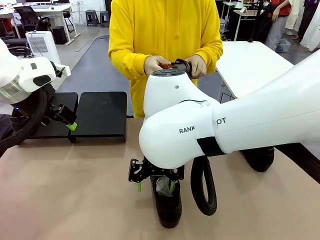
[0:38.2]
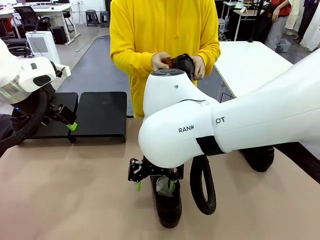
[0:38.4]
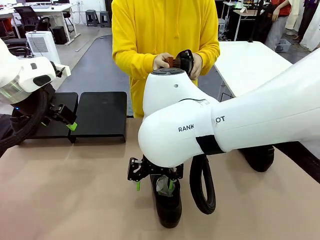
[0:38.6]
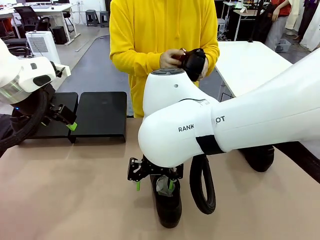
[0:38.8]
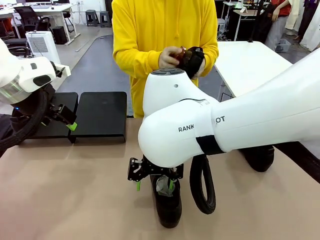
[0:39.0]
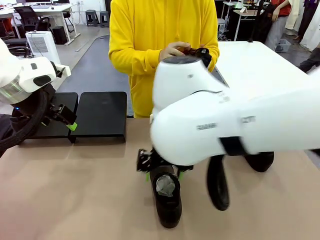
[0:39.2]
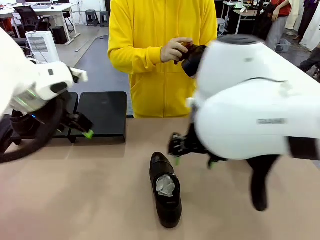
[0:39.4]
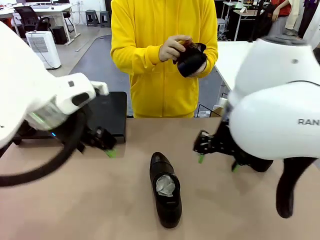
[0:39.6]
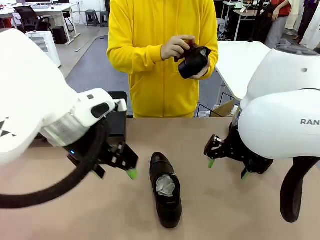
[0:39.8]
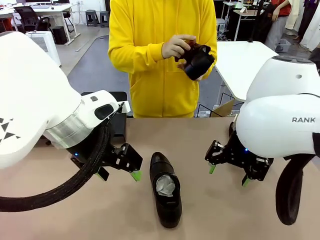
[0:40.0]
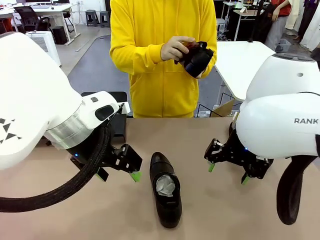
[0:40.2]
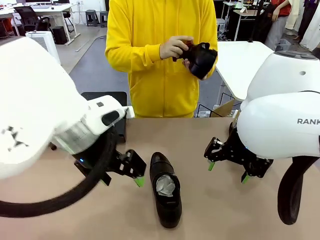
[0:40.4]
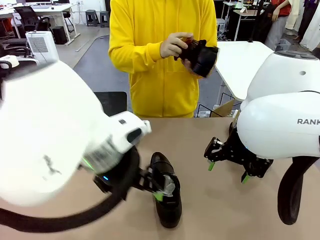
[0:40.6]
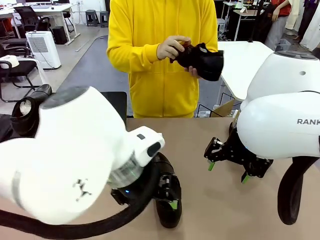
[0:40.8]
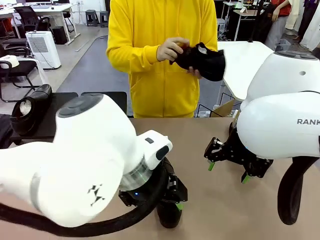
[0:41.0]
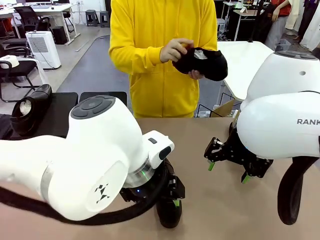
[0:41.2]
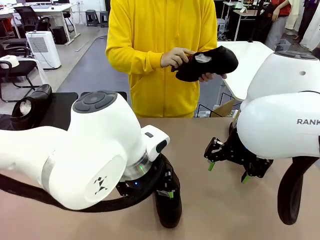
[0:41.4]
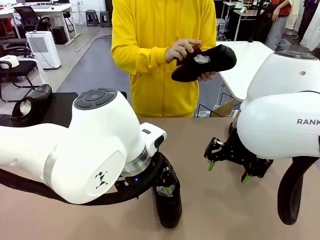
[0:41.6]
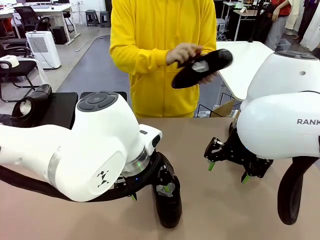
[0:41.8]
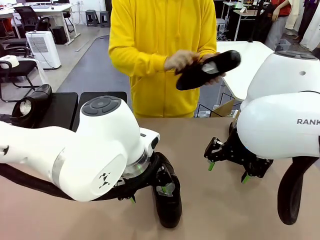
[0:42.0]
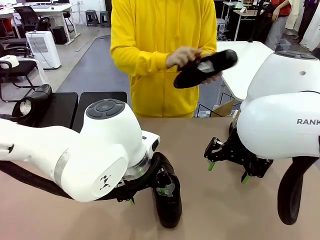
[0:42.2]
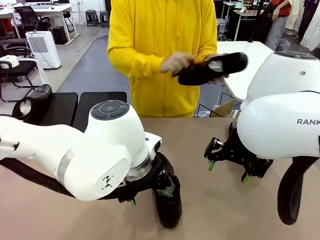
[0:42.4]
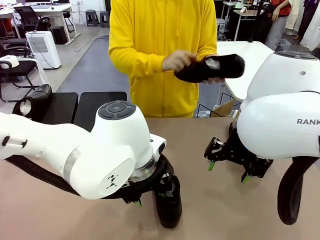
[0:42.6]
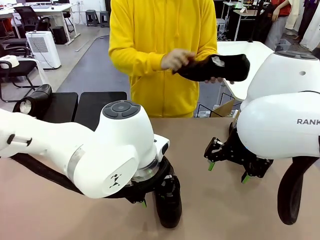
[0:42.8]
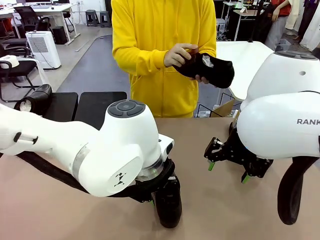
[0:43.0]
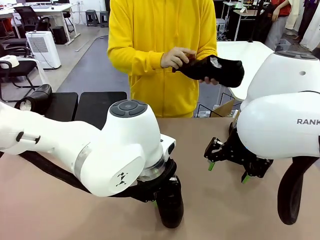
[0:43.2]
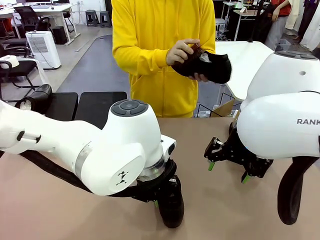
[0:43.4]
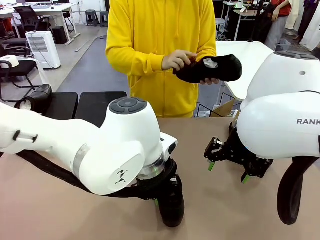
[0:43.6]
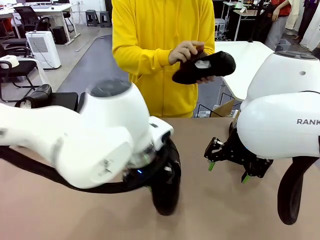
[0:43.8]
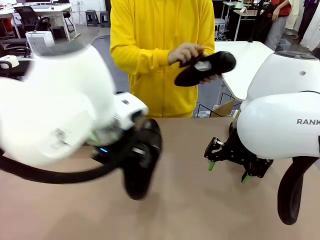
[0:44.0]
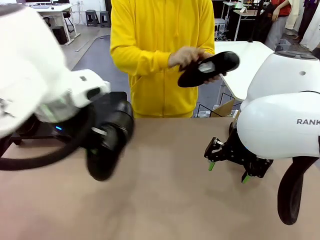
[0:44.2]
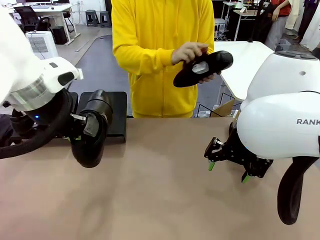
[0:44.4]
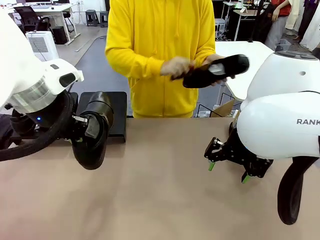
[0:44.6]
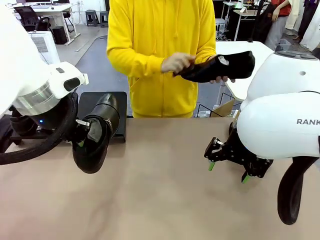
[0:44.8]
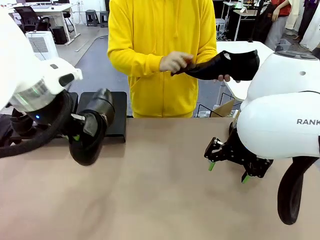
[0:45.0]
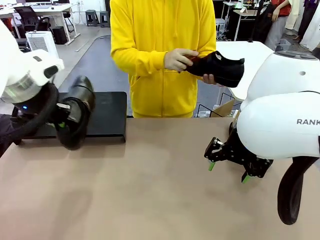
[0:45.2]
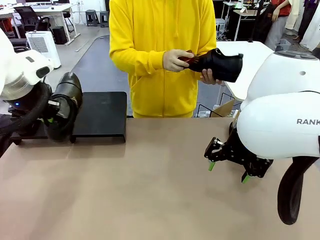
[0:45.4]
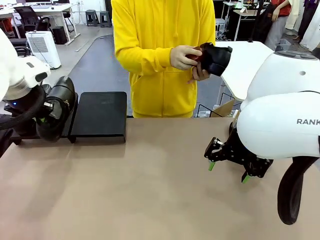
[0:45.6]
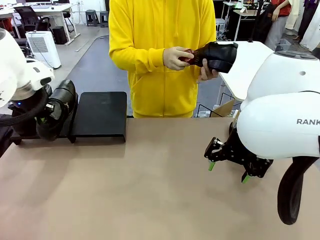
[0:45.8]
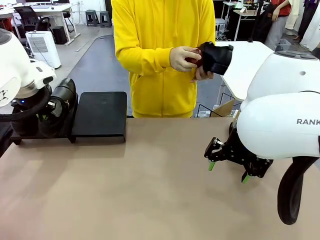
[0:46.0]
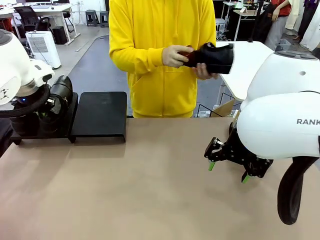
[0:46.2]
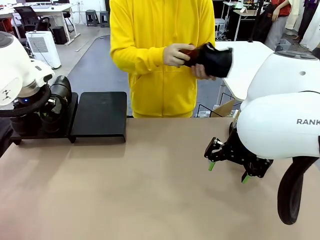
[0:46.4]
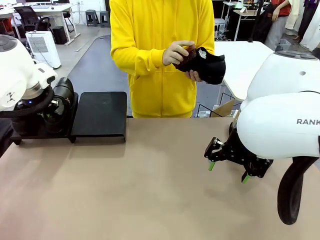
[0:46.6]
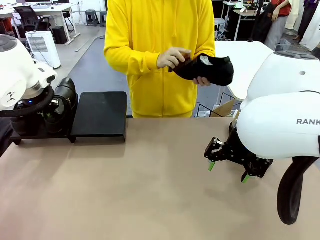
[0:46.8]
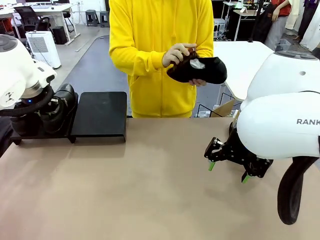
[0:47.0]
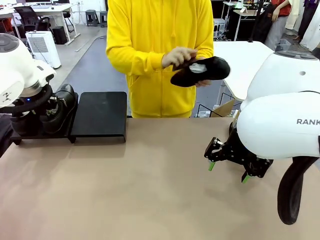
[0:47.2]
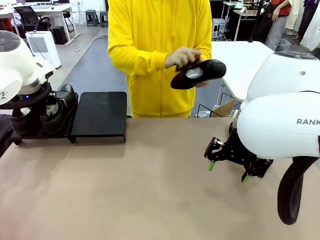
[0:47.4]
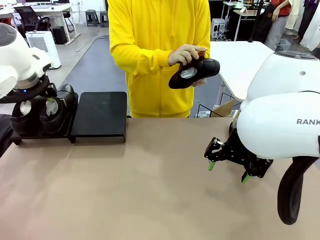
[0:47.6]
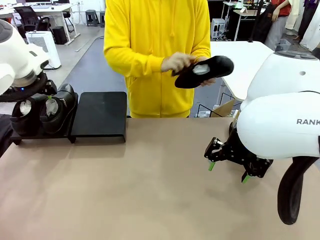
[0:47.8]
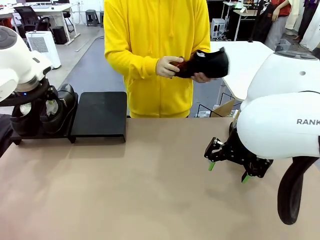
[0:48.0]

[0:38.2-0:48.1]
Task: Organize the shoes by placing them on the stand.
Robot: Place the Shoe from the middle of the table onto the Shoes Stand.
Person: Clean the Shoe with the Shoe Brush.

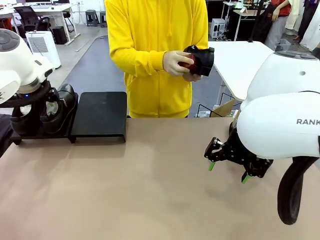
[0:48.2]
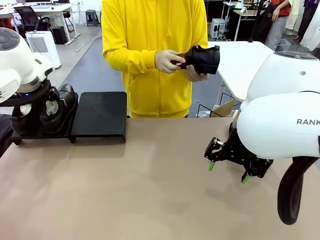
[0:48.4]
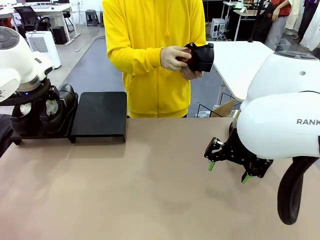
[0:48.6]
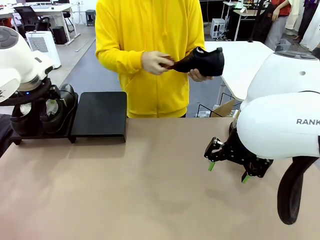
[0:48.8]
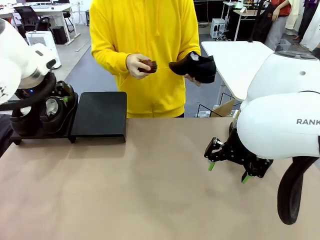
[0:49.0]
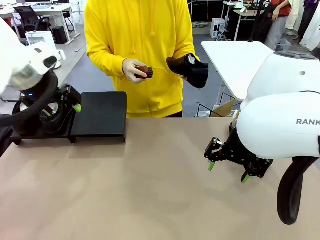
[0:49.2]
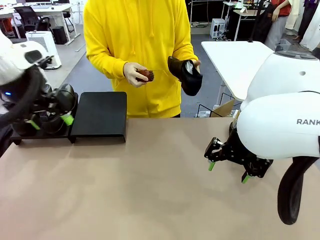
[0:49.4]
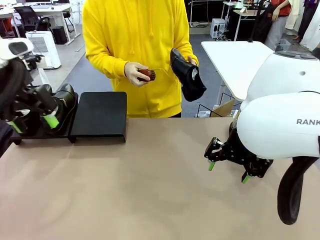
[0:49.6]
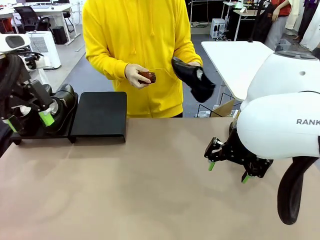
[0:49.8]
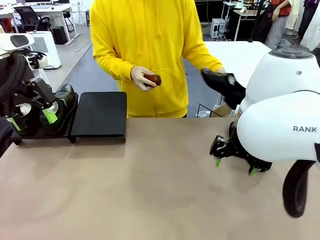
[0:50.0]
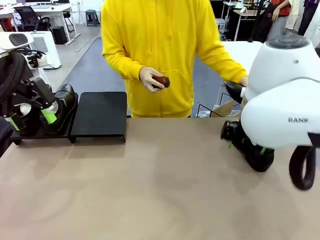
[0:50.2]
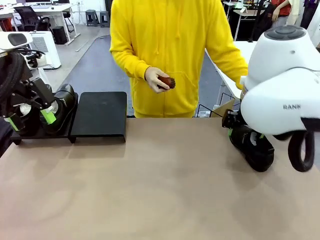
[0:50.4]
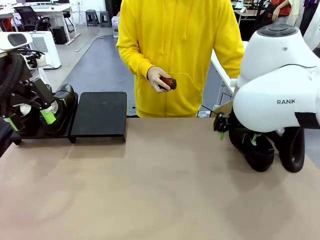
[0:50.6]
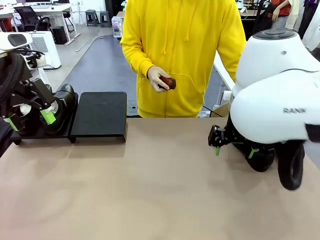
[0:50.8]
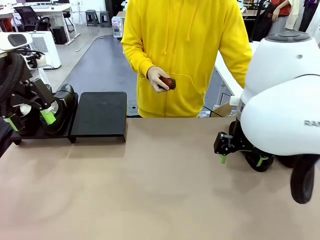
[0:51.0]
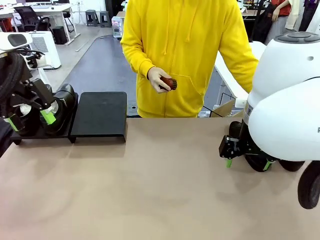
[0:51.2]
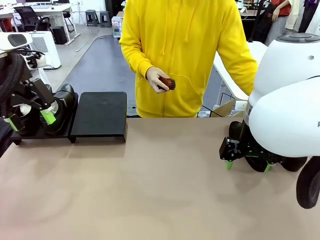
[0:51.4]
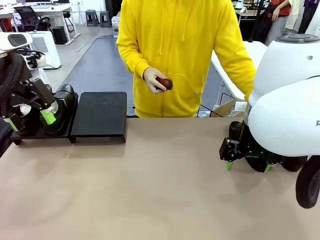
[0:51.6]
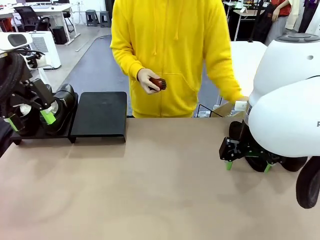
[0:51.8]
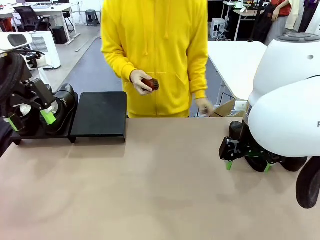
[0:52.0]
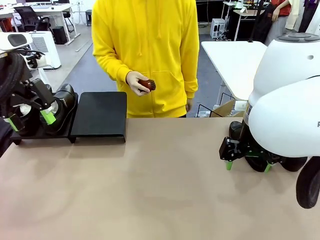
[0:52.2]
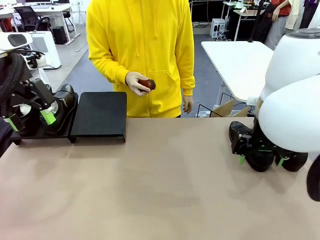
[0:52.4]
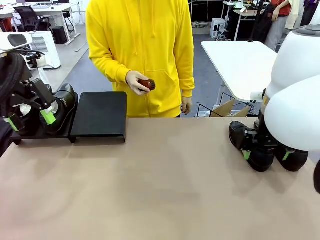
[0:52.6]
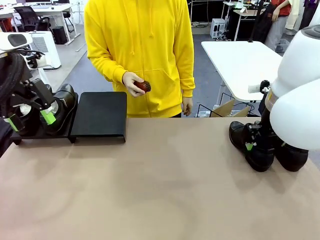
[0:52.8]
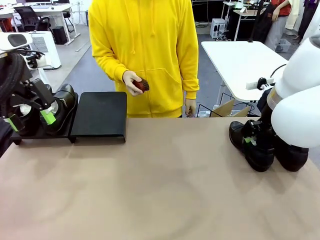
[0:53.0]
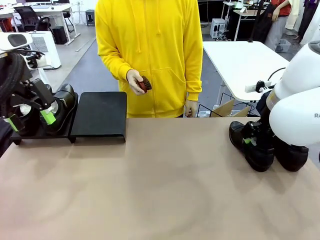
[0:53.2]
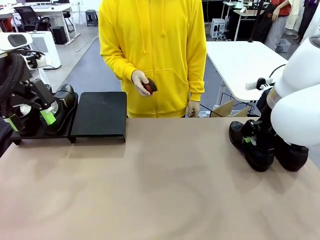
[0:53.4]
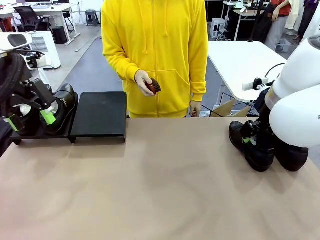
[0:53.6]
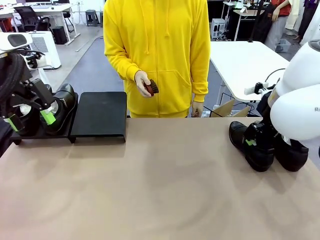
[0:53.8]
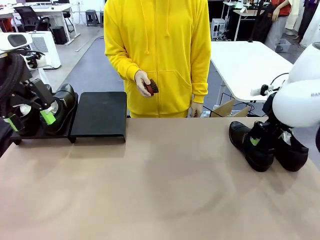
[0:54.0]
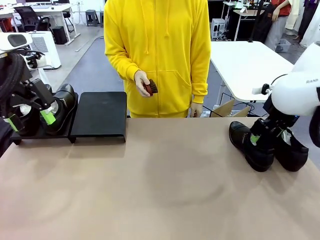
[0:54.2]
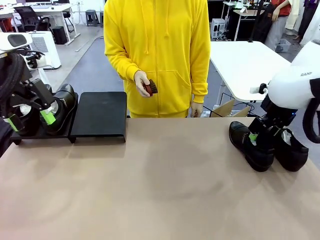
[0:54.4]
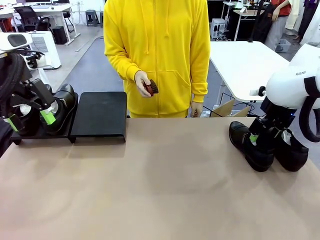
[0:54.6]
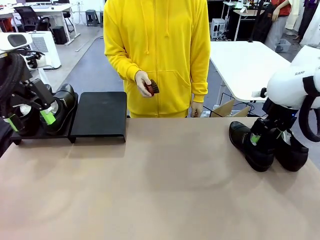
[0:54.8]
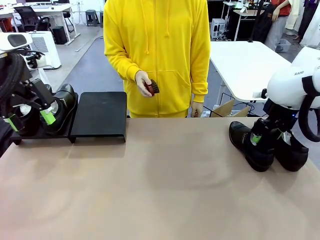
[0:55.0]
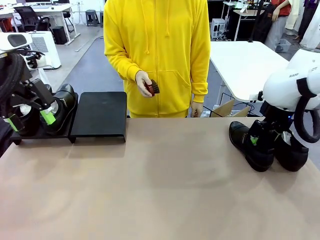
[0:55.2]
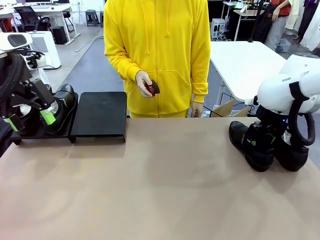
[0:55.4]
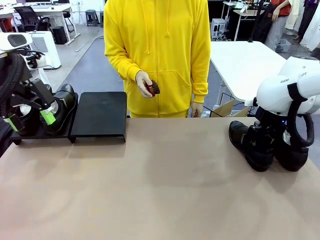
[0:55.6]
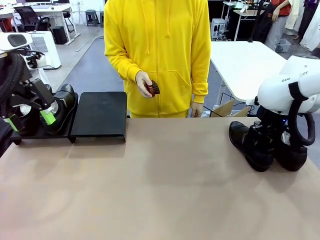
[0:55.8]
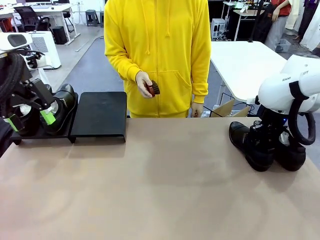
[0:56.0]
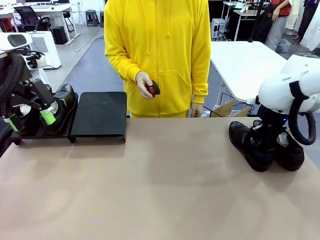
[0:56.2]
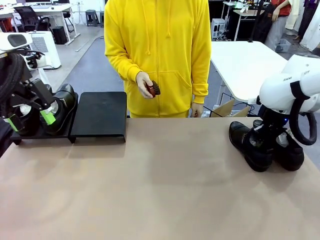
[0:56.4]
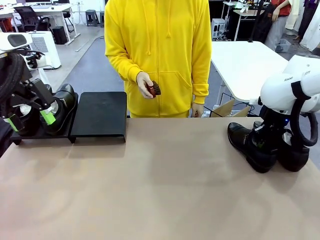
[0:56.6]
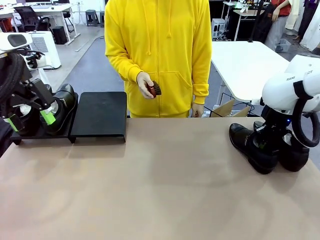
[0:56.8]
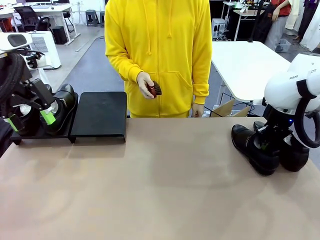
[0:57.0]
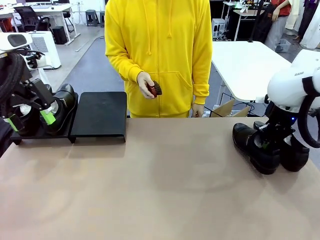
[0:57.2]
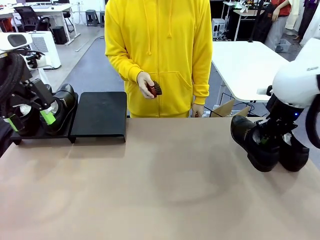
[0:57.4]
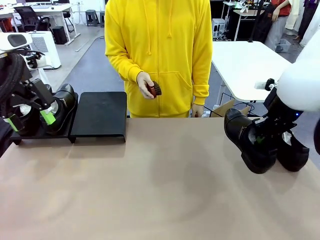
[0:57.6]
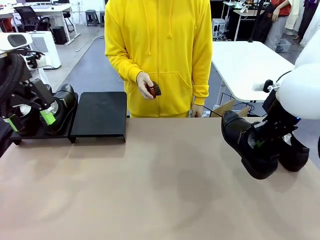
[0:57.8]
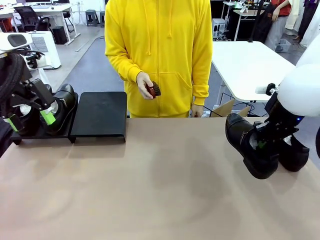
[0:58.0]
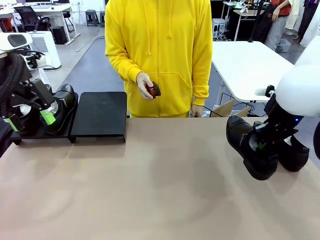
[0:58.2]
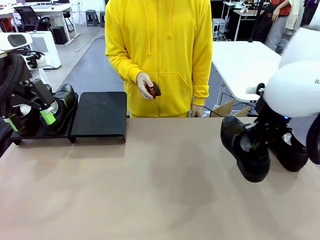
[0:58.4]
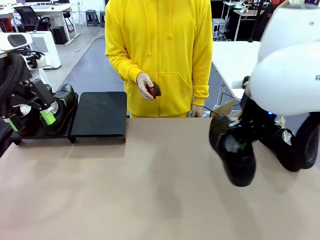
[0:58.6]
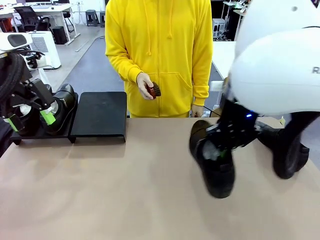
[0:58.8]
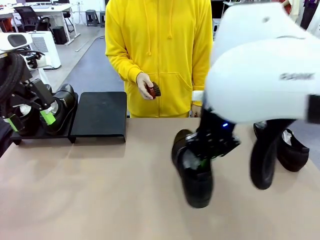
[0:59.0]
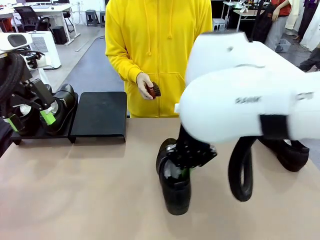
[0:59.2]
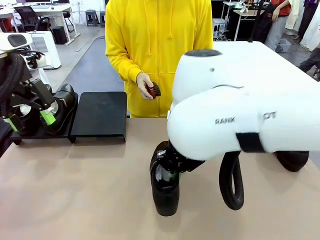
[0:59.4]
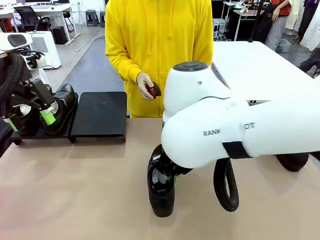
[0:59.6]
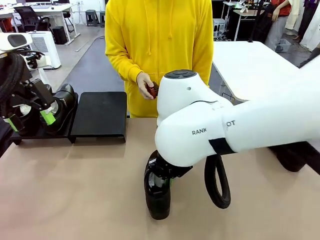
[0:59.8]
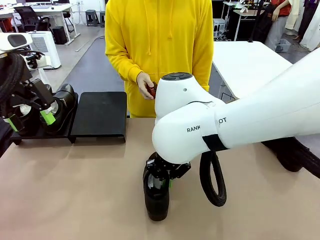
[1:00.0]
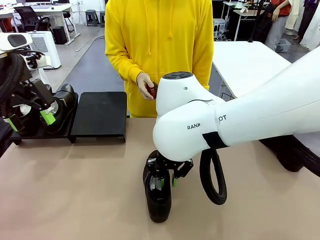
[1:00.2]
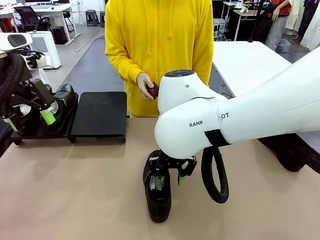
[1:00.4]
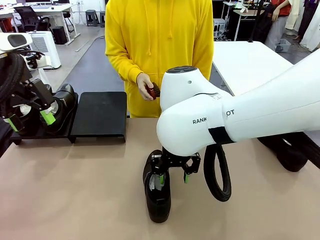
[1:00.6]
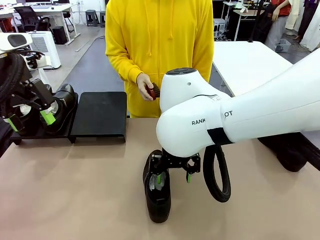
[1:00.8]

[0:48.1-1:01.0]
Robot: Pick up one Shoe and place it in the middle of the table.
